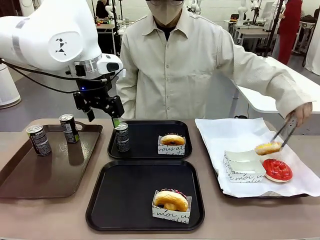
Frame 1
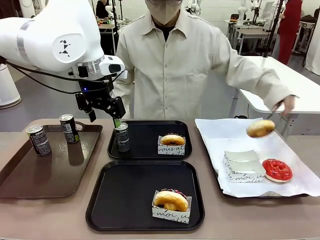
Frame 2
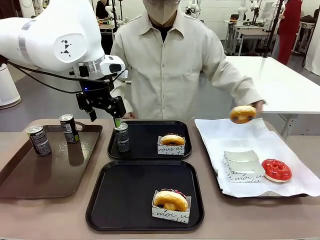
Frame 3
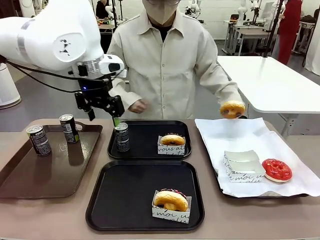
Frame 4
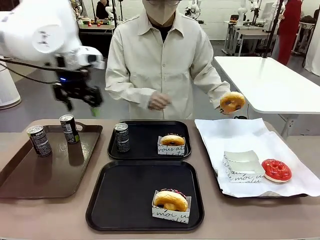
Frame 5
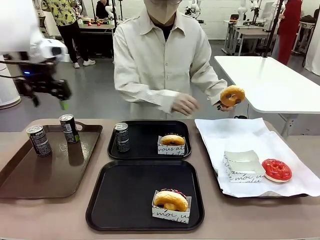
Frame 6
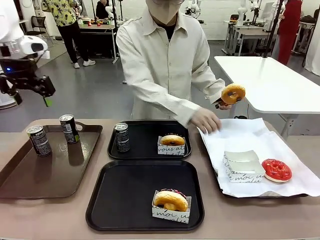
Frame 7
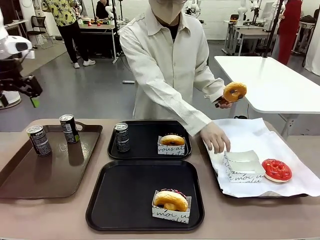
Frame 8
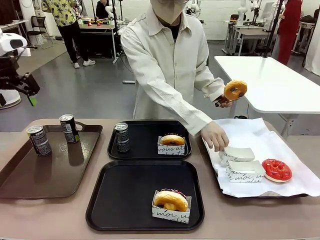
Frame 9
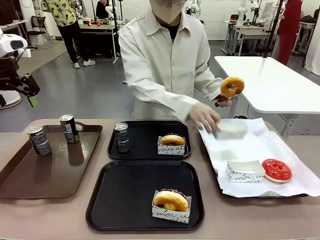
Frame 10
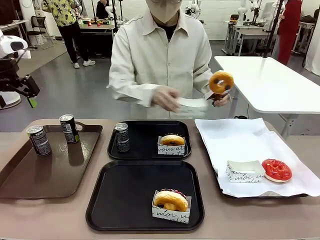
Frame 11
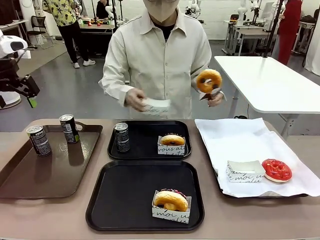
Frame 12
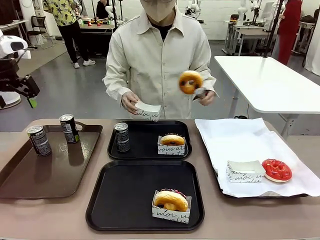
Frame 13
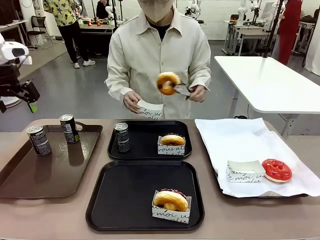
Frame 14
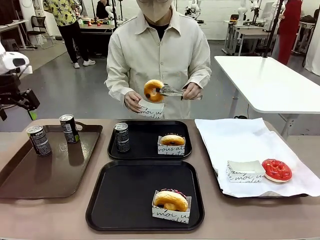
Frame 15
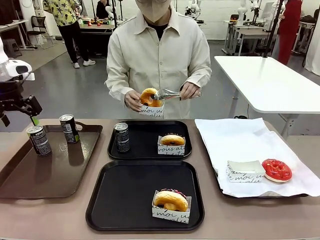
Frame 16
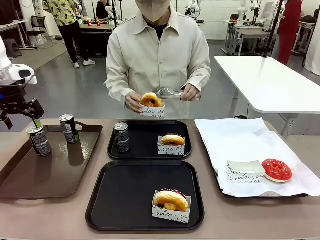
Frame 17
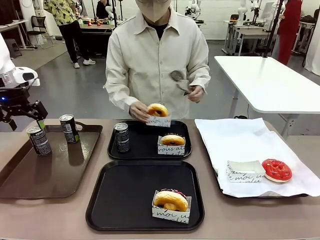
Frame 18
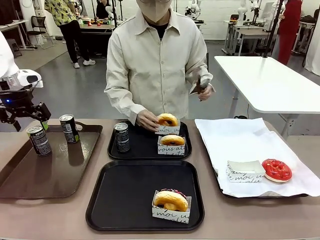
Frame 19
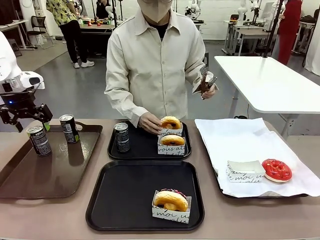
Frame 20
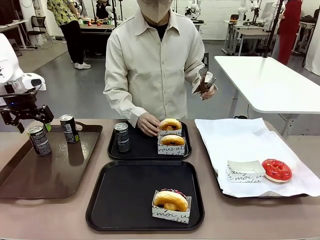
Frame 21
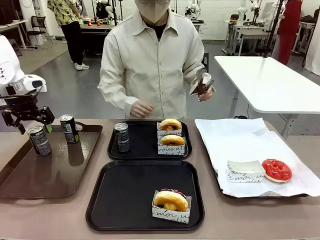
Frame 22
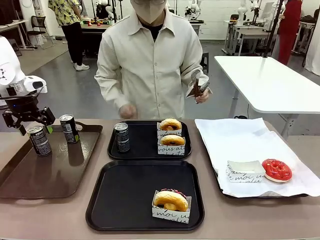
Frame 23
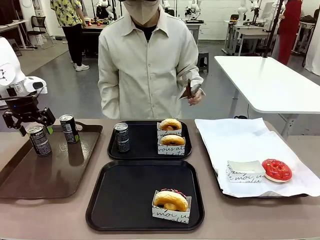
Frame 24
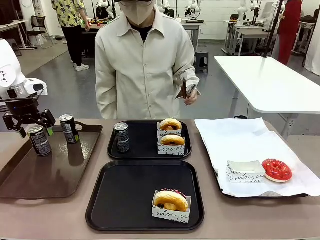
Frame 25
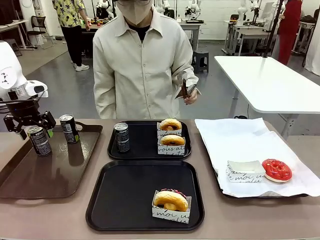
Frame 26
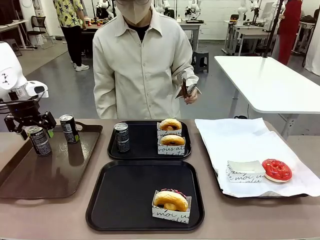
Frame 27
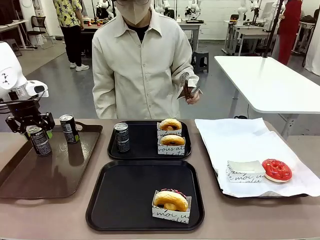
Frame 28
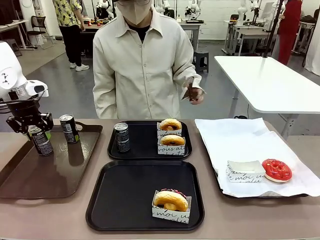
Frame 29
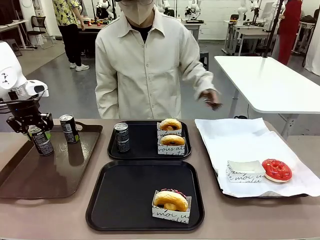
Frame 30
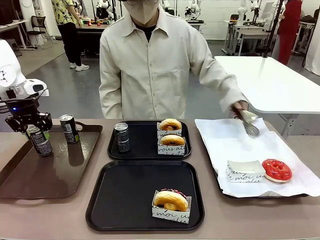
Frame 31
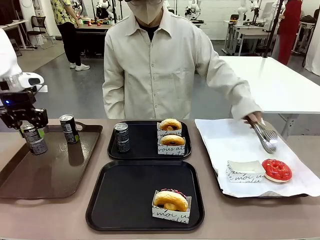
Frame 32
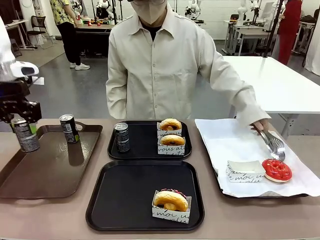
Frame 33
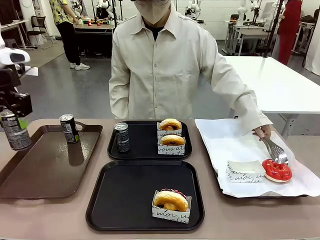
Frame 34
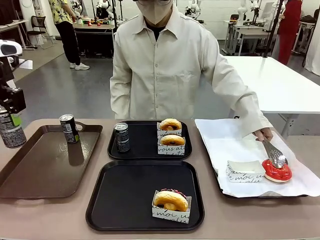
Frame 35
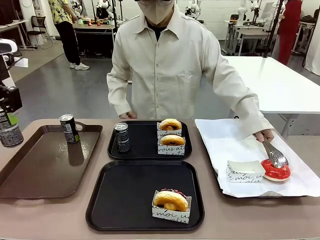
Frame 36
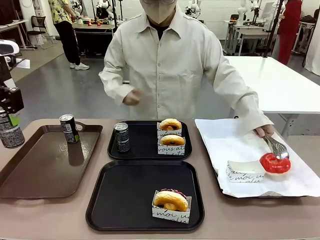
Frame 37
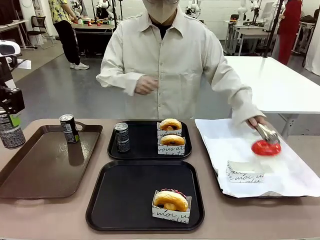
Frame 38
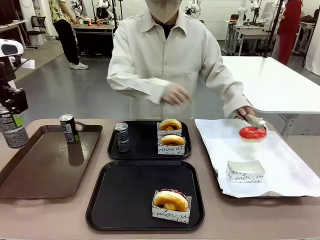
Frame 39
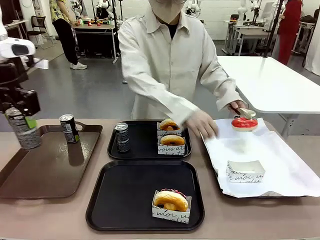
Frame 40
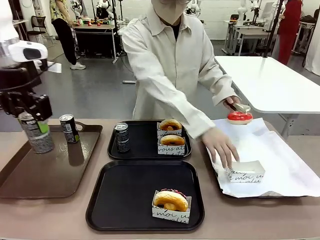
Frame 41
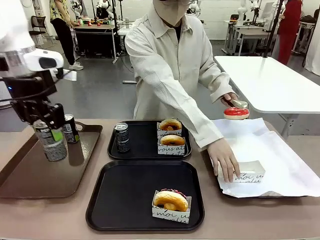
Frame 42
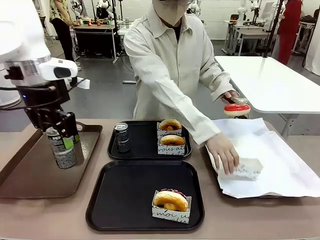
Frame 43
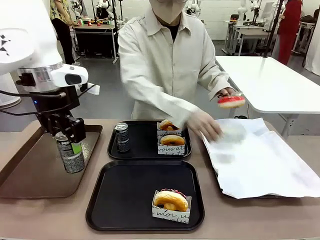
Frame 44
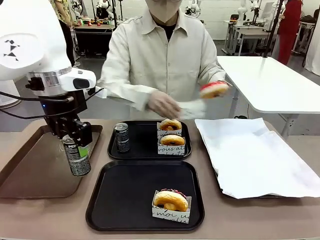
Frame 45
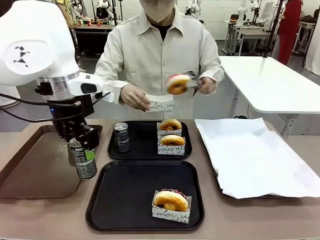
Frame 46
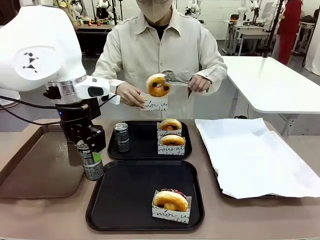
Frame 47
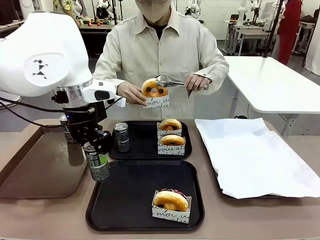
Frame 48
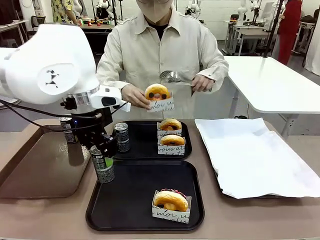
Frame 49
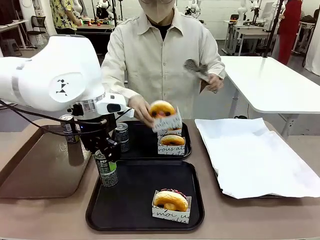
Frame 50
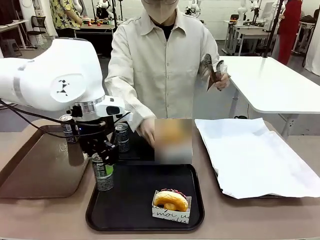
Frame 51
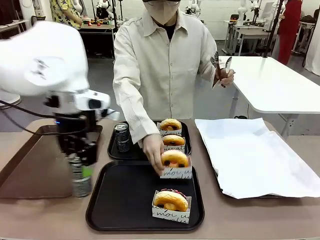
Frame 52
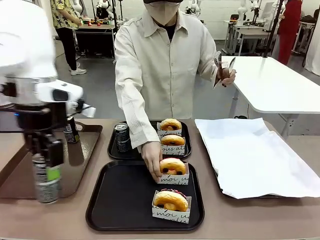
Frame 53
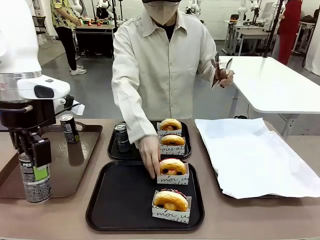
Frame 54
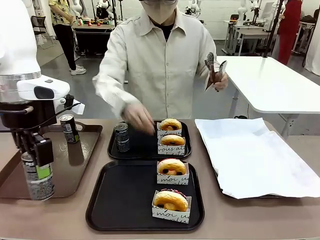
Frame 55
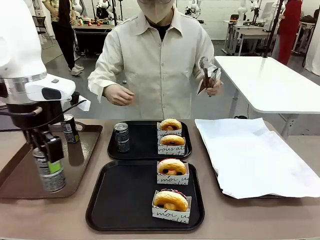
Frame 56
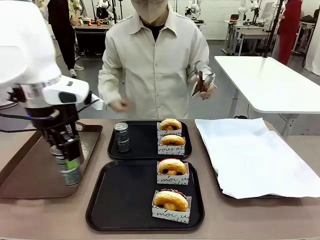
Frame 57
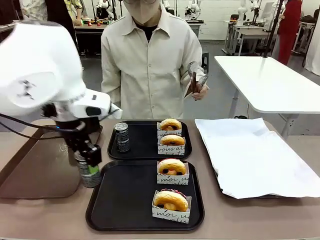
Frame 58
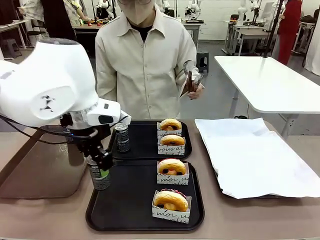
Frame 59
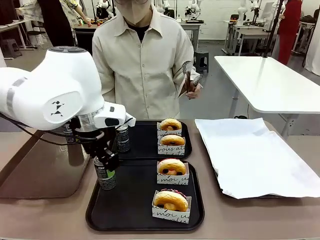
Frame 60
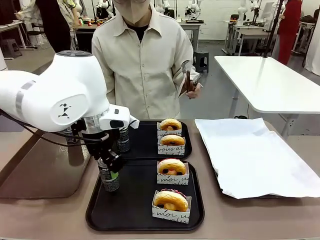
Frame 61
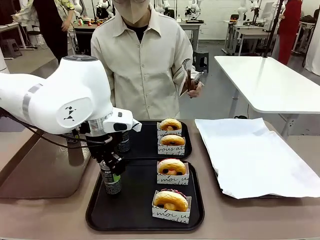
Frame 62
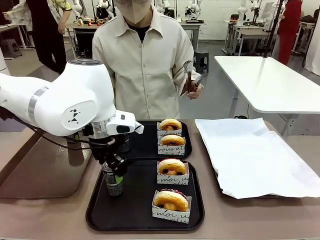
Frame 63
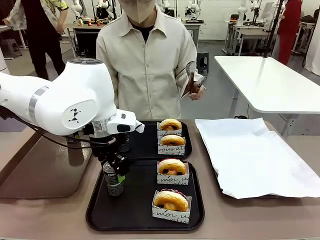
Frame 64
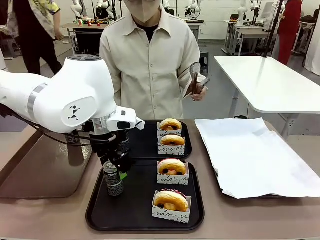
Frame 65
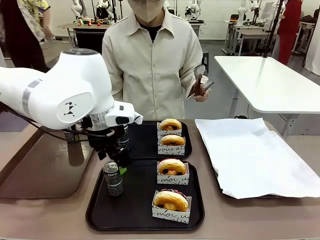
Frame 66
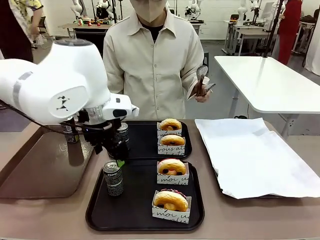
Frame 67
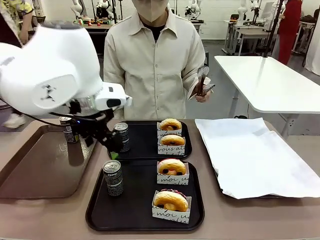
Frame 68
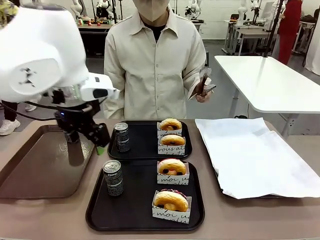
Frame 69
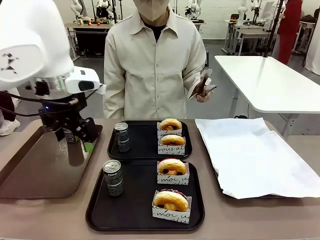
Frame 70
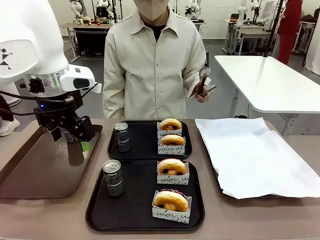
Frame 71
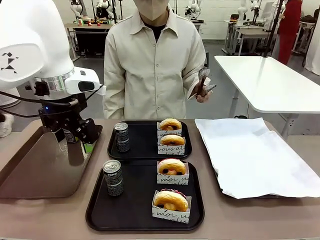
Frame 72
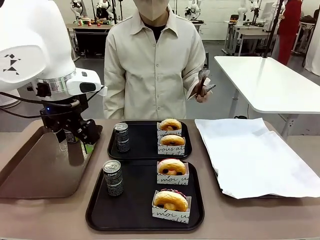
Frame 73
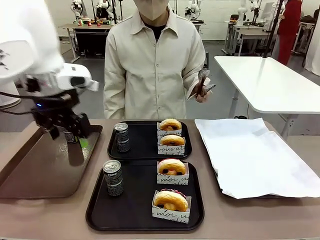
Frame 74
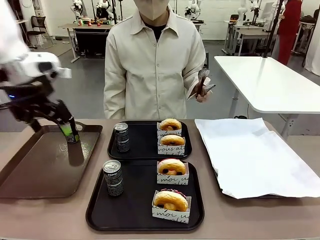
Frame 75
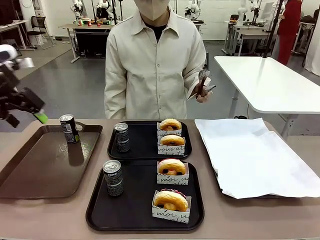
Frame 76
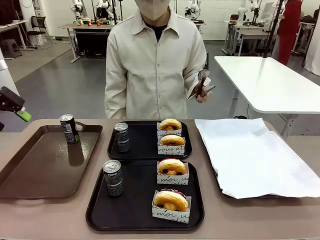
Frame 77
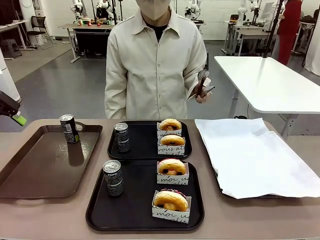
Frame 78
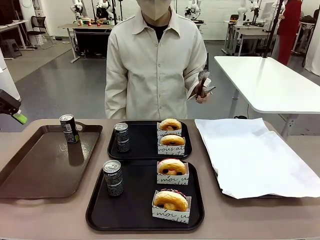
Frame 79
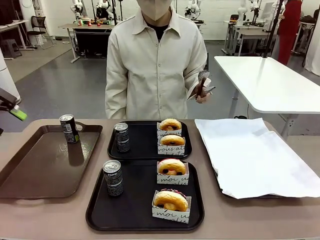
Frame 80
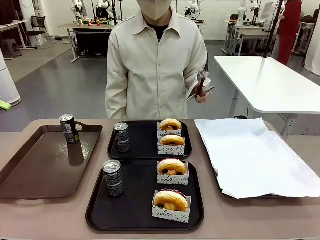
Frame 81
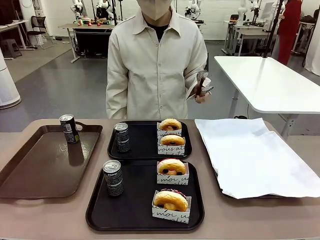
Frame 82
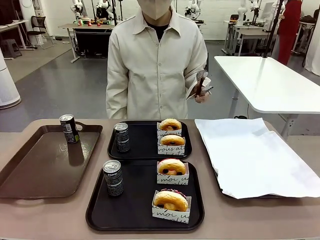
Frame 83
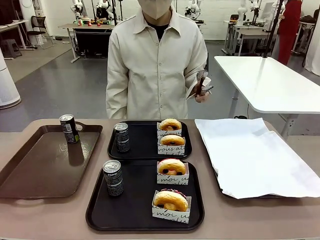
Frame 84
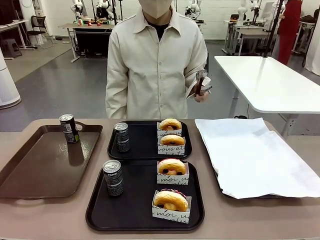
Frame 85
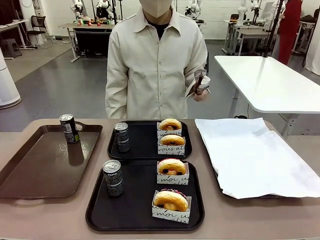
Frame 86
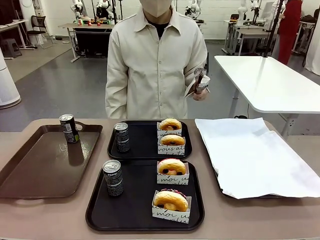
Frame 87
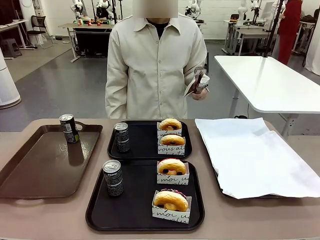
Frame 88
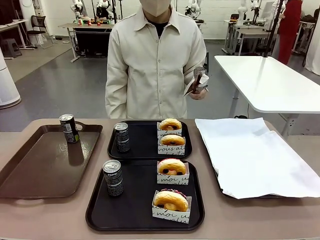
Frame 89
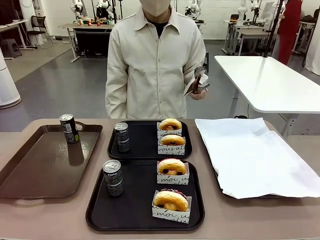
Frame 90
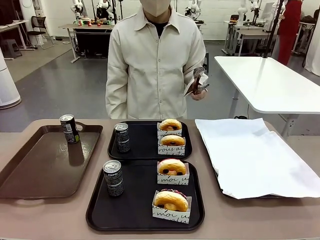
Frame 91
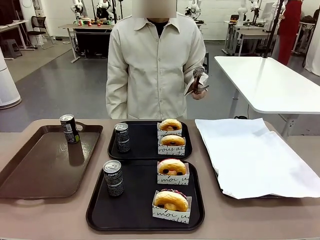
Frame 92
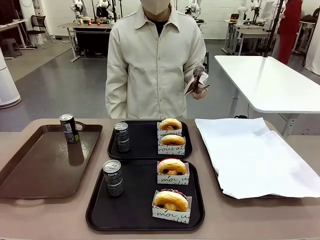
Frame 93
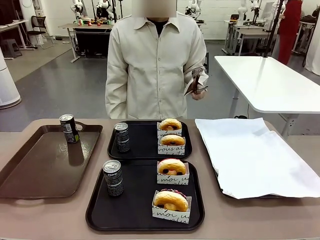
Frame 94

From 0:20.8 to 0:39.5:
Task: Set up donuts and drinks on trays.
Robot: Pick up one Pepsi coke from the Handle tray and place it on the Flat Tray without a Pepsi coke.
